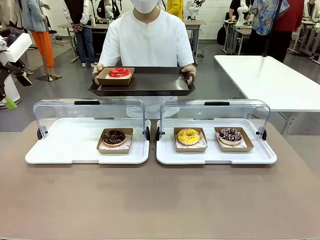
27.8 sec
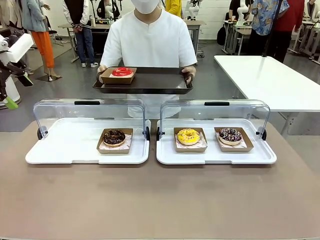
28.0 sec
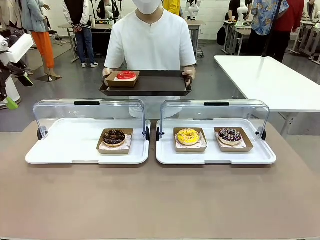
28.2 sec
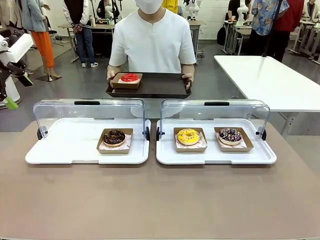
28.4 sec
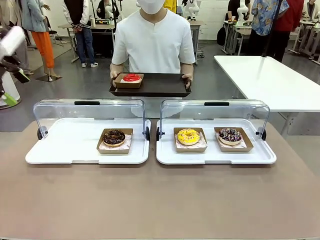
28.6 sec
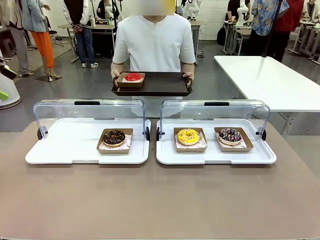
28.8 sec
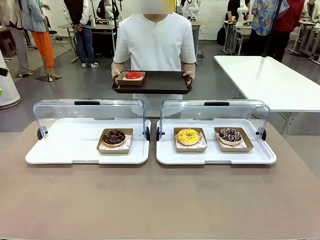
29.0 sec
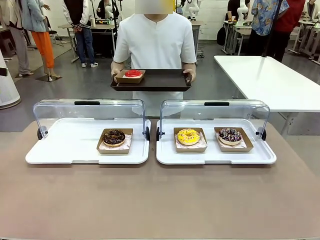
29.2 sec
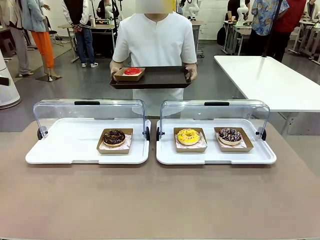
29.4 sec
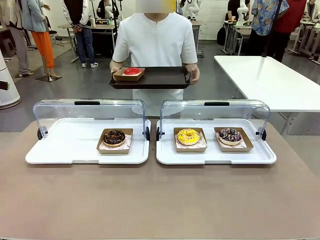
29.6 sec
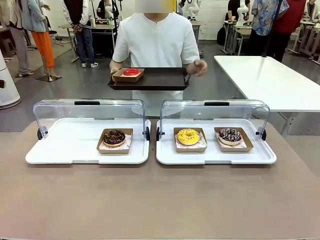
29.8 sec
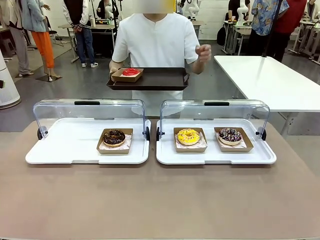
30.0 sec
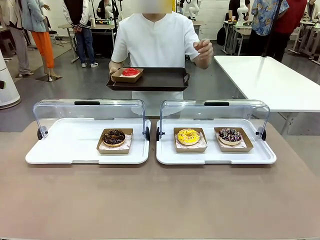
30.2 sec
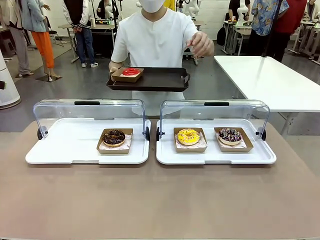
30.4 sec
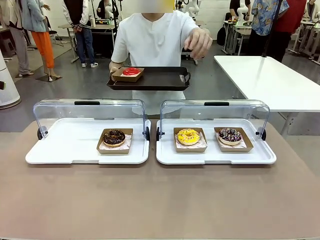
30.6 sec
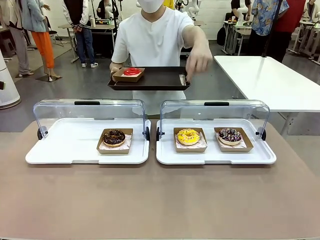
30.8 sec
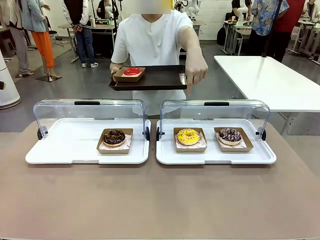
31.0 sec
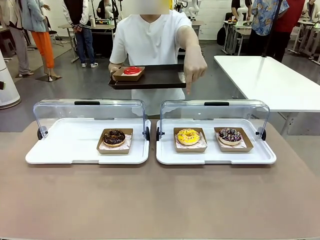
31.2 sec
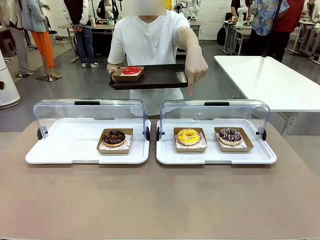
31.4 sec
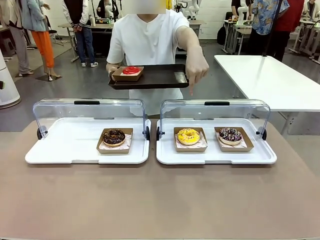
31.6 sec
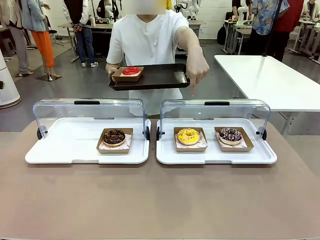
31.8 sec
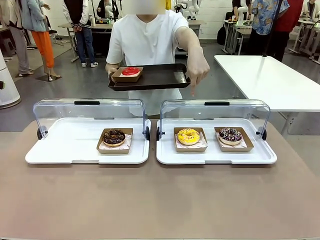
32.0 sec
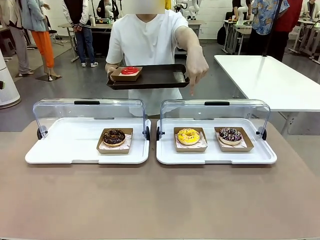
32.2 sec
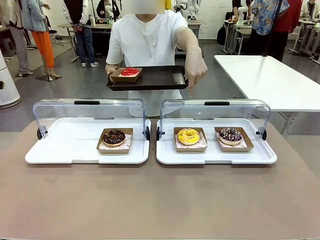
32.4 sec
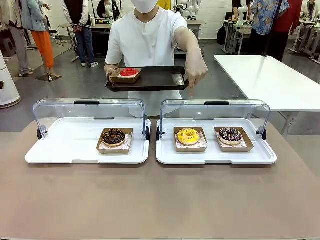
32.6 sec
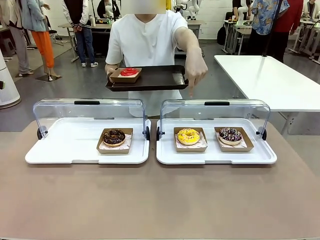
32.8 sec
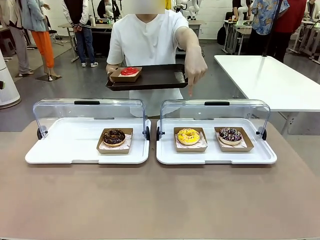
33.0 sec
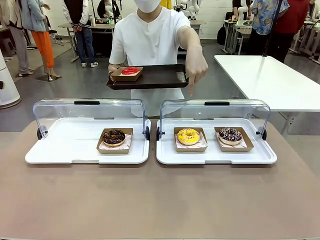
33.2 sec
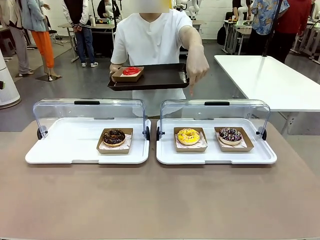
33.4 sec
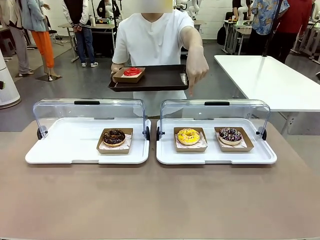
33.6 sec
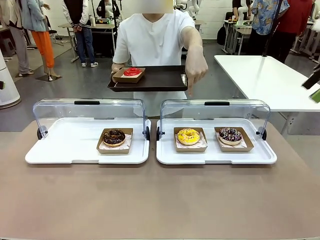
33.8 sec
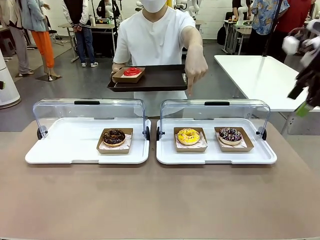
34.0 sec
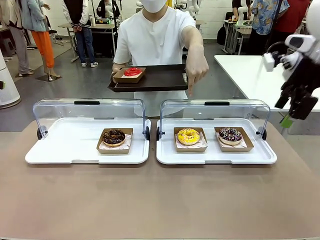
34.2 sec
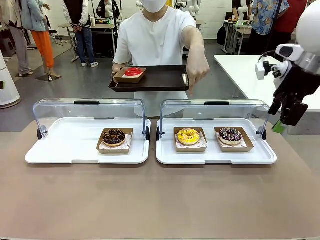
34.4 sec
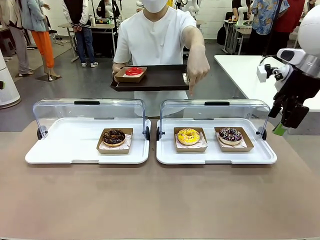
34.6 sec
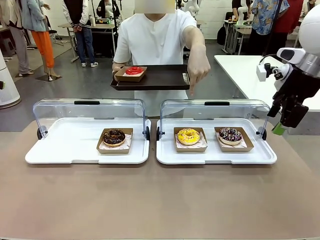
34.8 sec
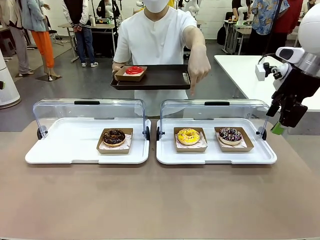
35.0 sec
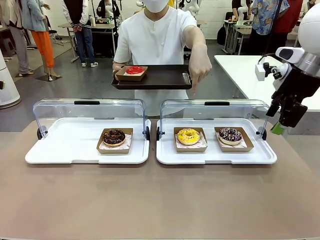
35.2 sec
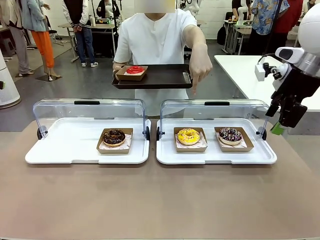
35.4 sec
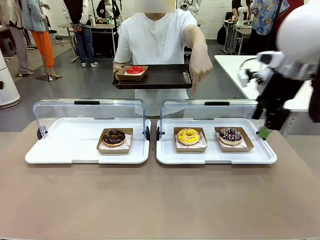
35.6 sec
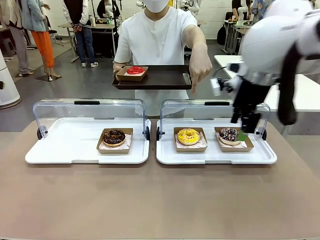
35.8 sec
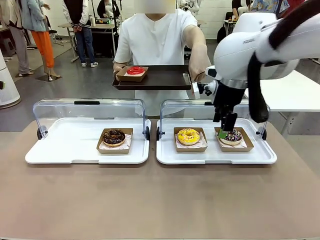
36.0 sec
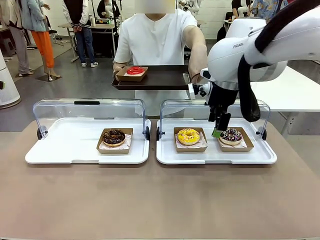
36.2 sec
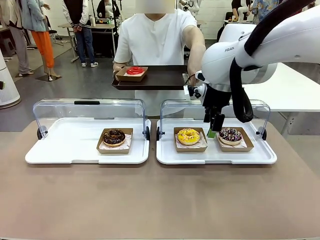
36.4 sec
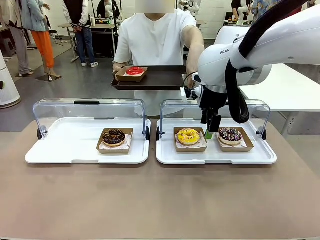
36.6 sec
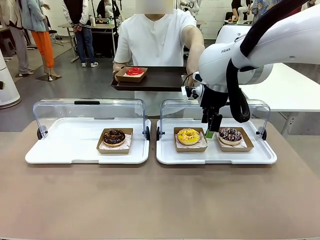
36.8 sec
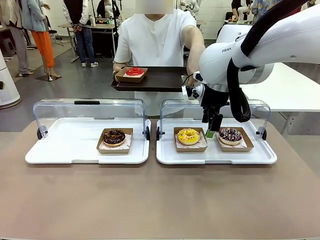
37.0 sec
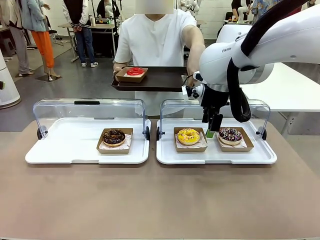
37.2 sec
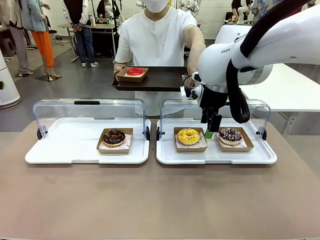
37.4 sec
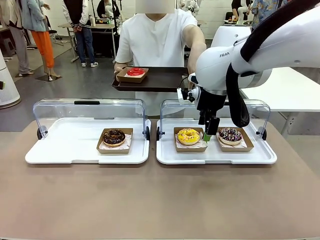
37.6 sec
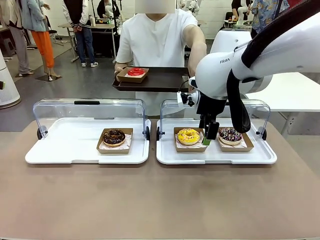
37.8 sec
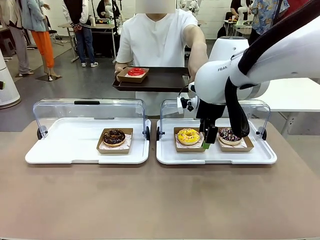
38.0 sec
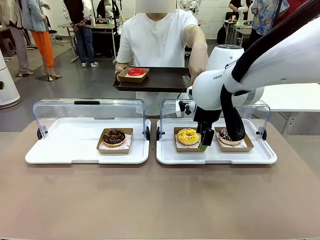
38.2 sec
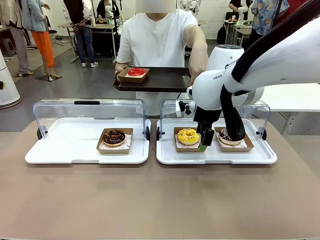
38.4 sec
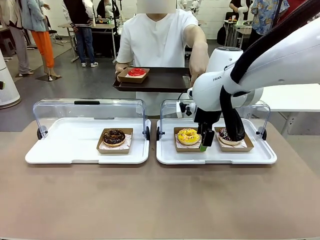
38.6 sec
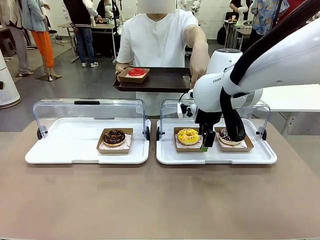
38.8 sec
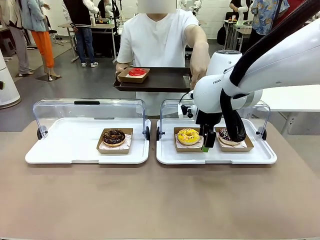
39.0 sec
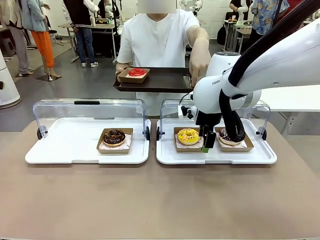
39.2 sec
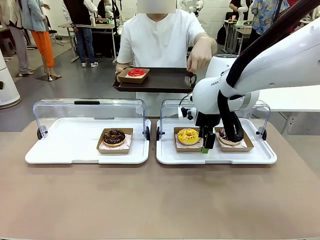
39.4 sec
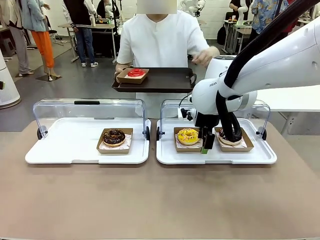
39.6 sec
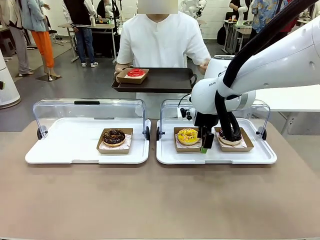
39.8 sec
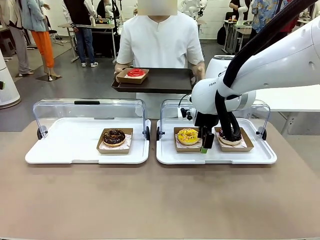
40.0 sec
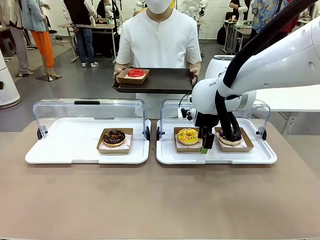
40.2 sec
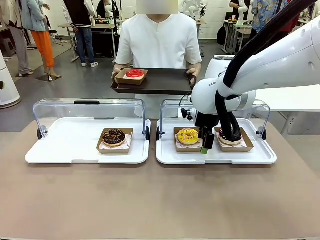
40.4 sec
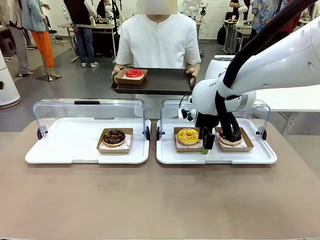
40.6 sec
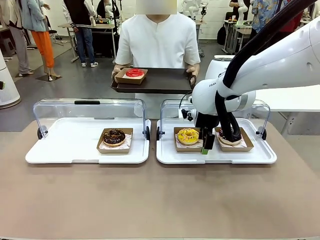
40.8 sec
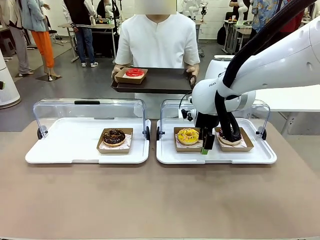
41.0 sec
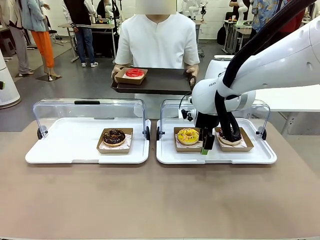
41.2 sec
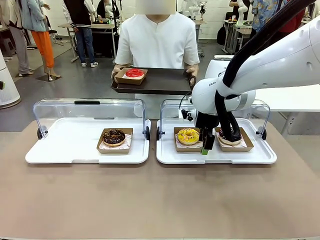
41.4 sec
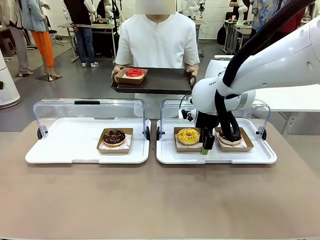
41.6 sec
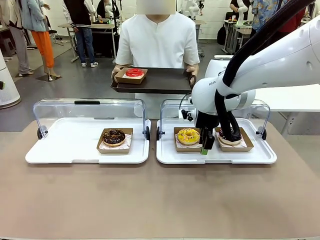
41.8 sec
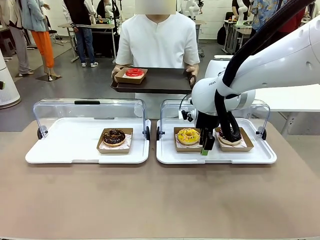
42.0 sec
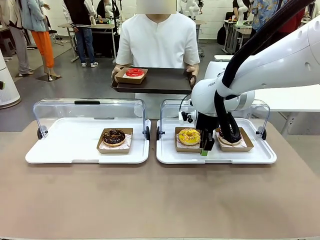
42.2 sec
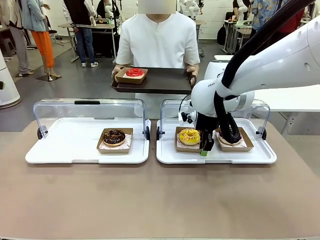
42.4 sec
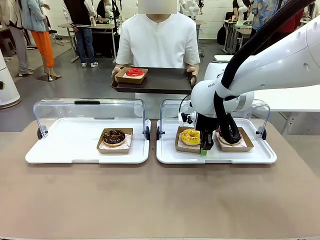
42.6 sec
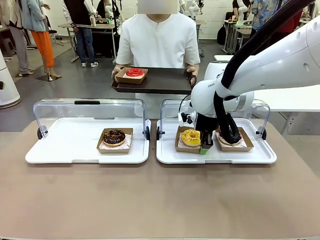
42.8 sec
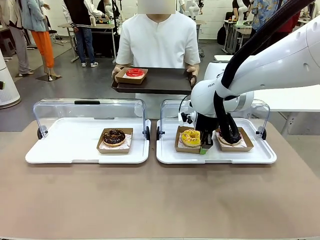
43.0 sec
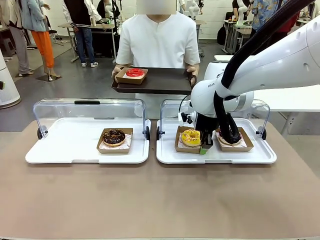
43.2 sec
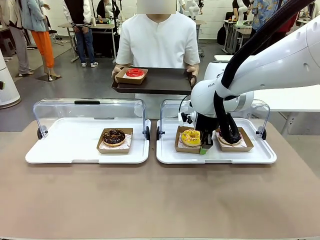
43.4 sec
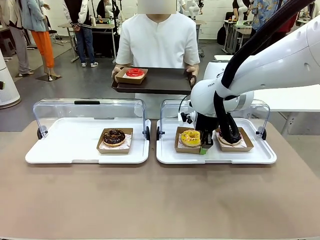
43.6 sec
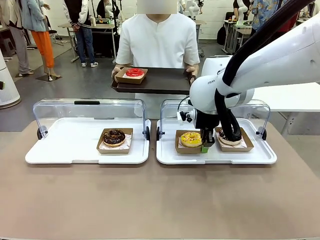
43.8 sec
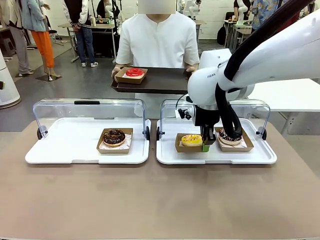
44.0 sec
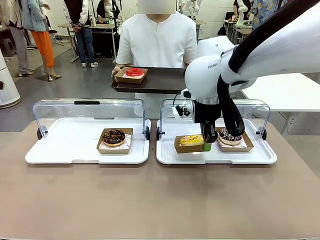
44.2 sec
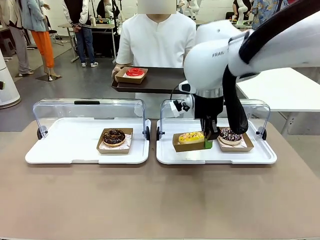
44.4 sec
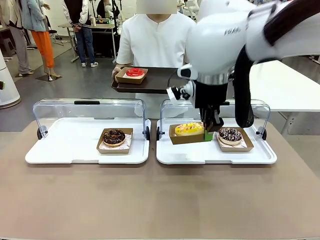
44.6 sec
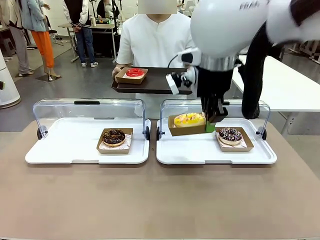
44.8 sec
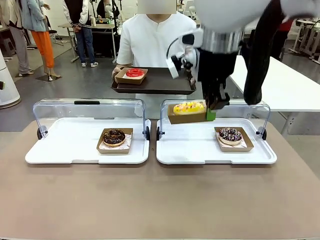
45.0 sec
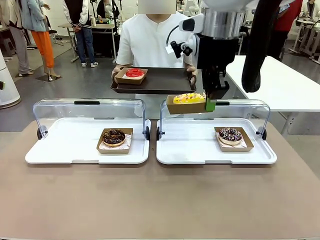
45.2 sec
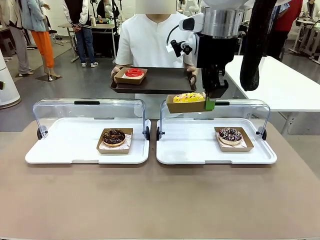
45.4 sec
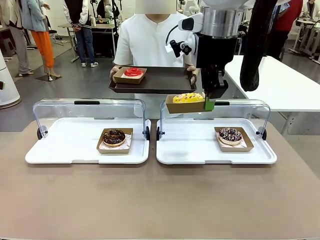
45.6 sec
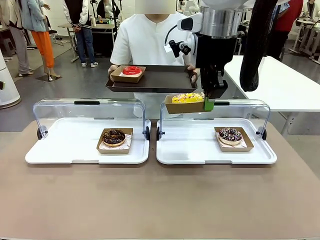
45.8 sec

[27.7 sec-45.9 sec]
Task: Provide the desired donut to the person.
Robot: Pick up and lift the Paper togo box containing the Donut pointed at by the person.
Person: Point to one donut. Lift the tray onto the Roll-Top Bakery Case.

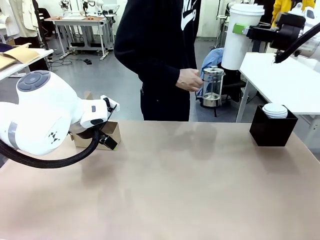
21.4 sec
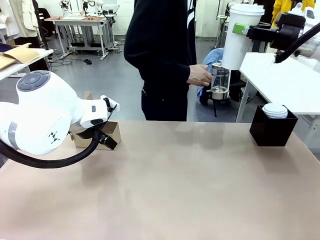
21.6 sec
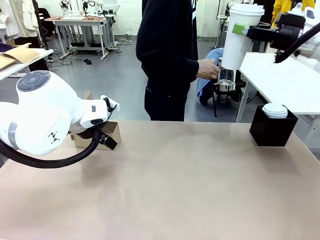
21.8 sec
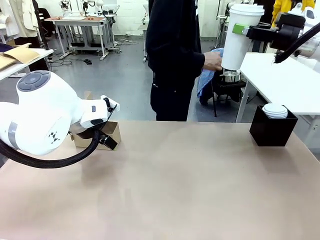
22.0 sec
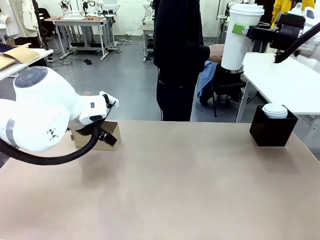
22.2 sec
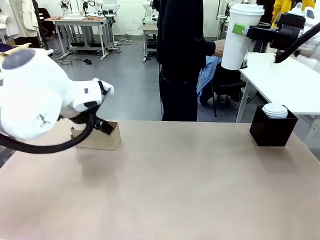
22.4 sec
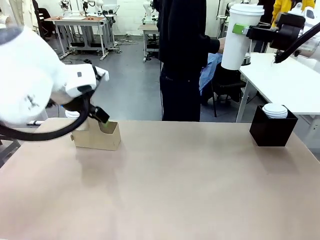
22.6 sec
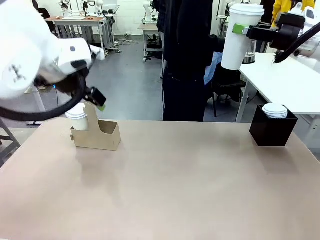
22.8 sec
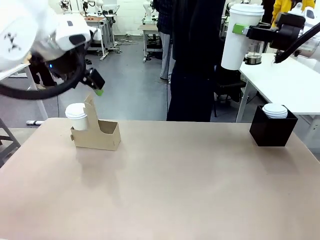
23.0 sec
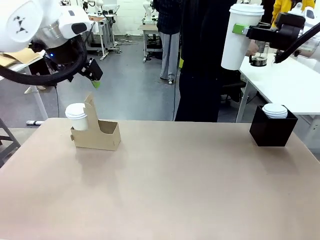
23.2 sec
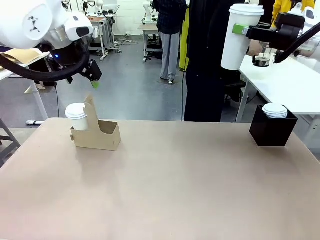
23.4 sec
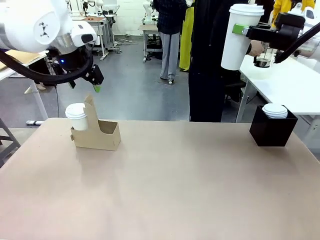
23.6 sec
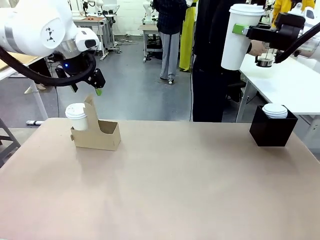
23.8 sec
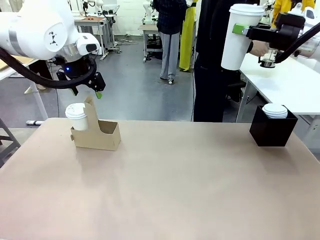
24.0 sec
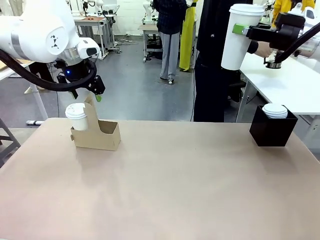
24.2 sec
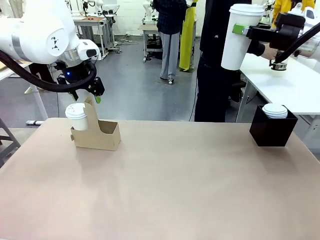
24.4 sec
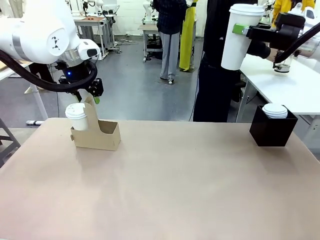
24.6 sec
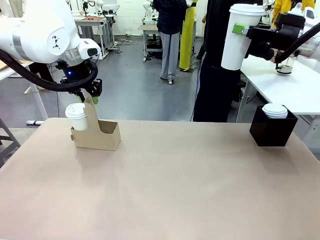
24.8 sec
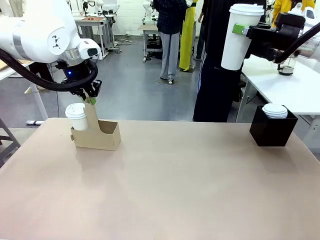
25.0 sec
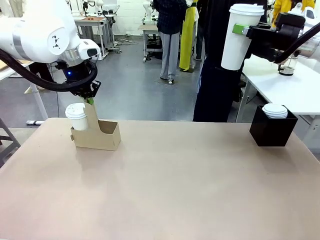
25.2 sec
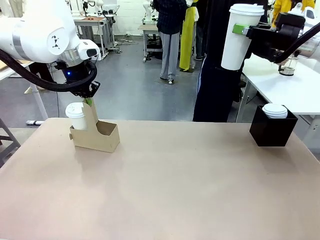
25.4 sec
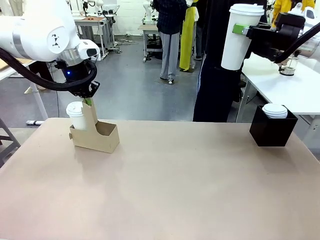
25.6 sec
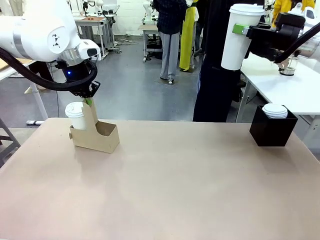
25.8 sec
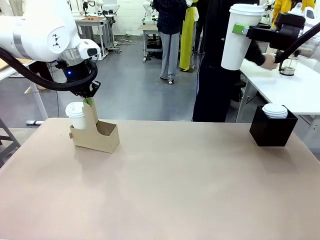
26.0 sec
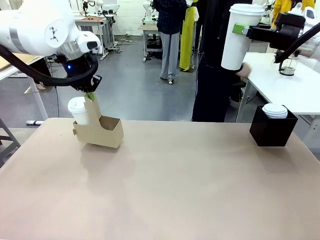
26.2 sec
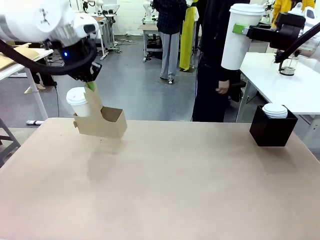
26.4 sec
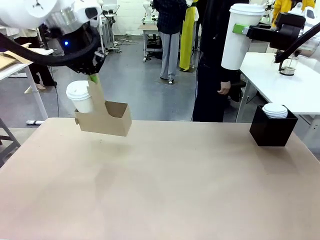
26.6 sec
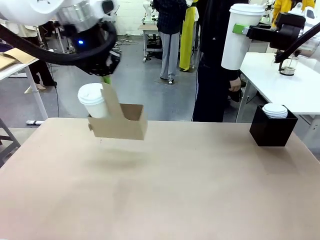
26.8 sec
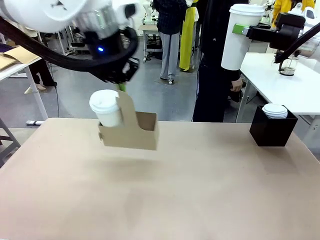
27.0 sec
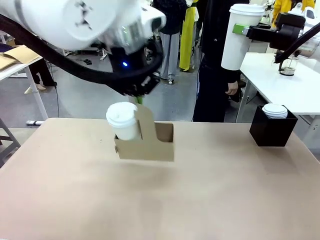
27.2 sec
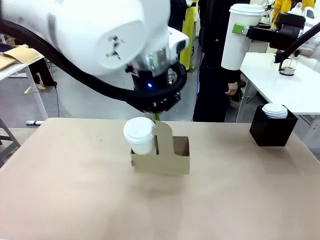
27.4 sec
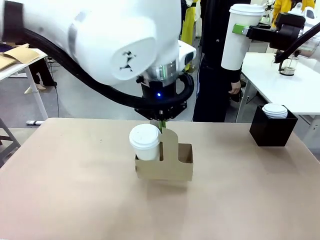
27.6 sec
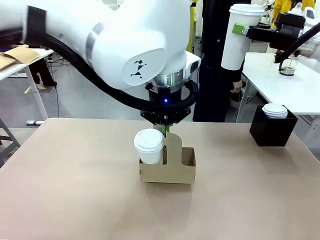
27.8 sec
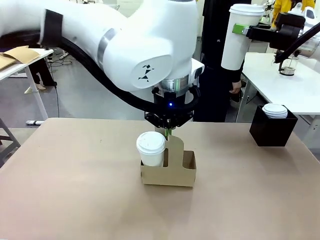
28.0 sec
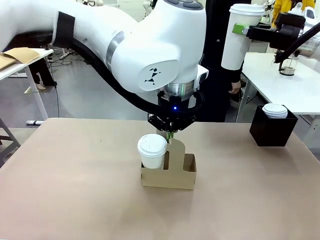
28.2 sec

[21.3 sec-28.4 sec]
Task: Pour a drink into a cup and package it in a carrier.
Robot: Position the Cup Carrier in the center of the table.
Person: Pick up the Filter Brewing and place on the middle of Human table, and return to the Robot table.
